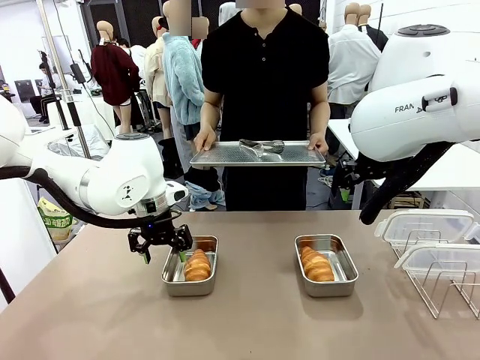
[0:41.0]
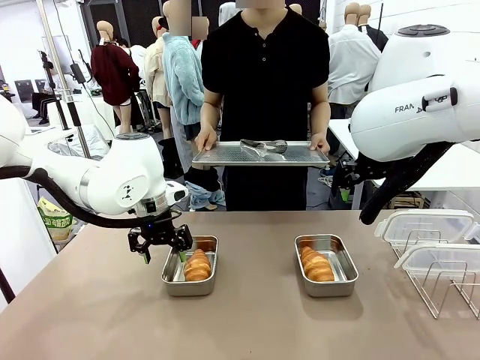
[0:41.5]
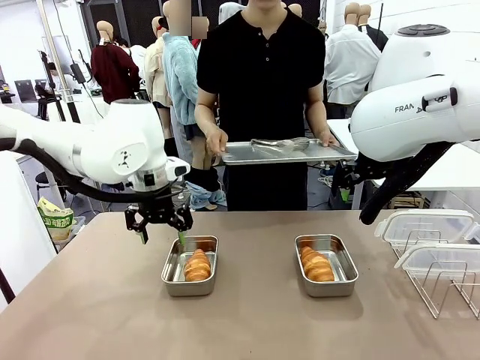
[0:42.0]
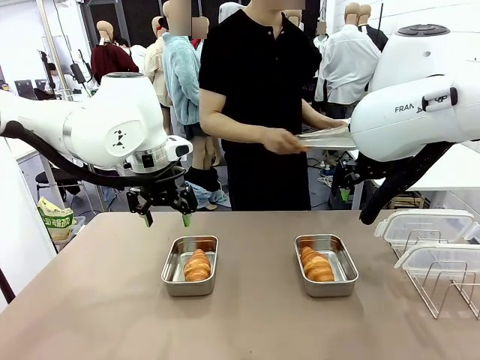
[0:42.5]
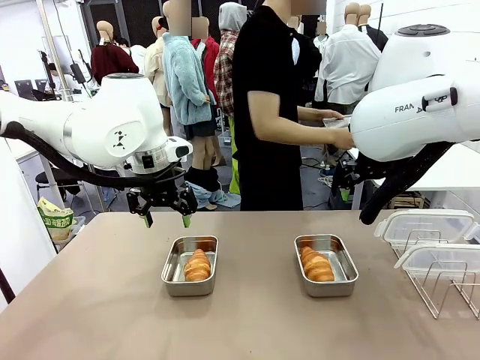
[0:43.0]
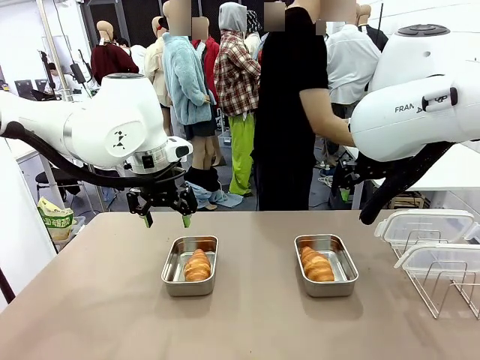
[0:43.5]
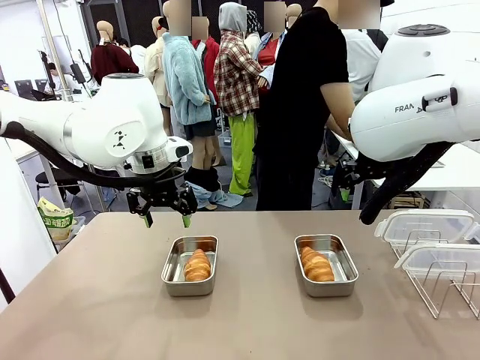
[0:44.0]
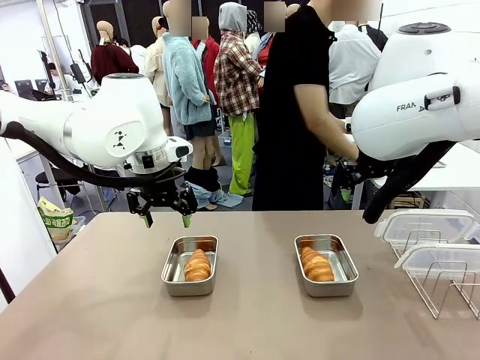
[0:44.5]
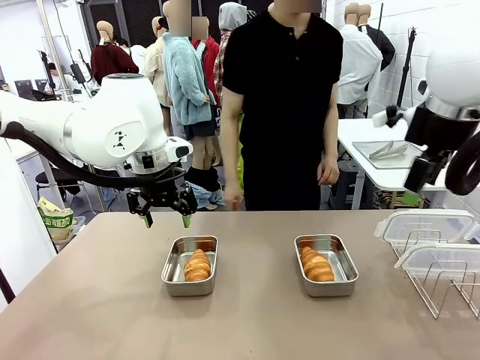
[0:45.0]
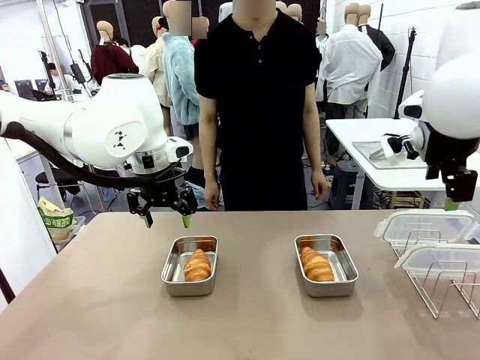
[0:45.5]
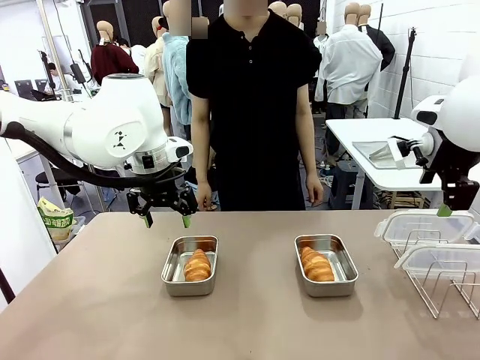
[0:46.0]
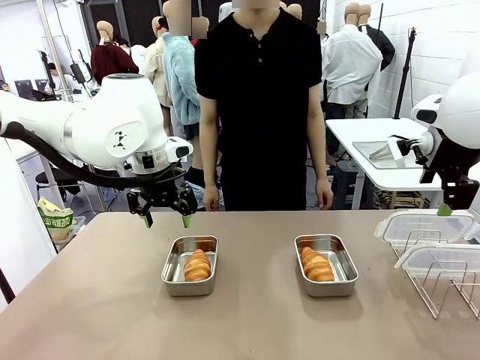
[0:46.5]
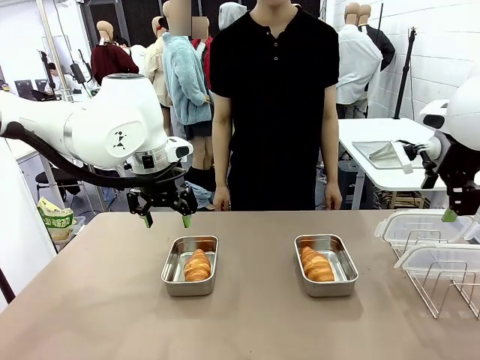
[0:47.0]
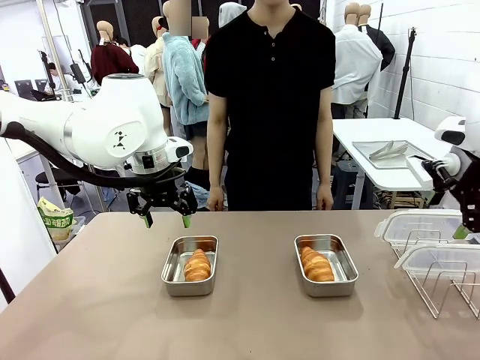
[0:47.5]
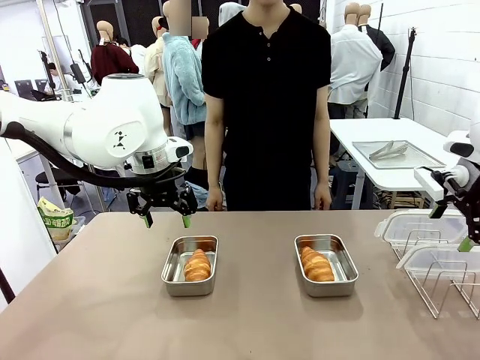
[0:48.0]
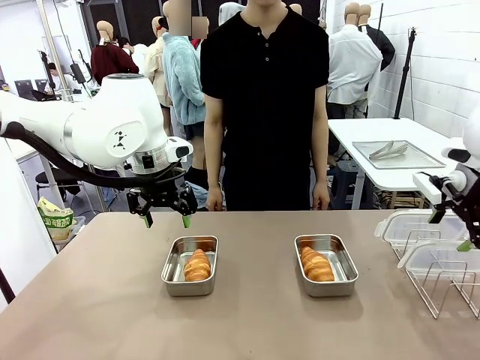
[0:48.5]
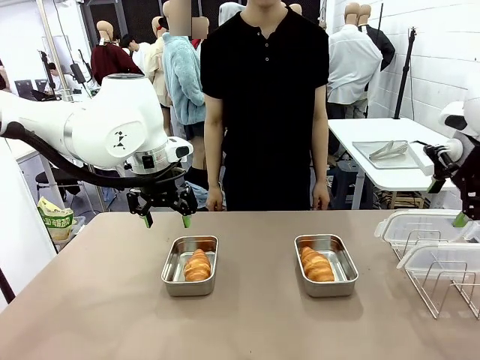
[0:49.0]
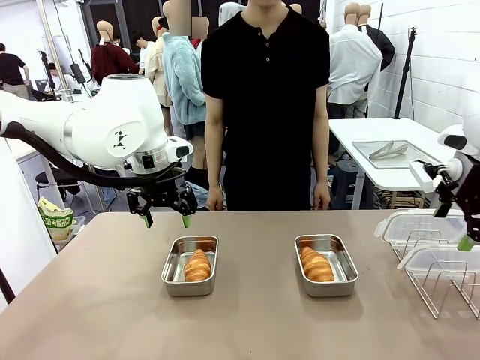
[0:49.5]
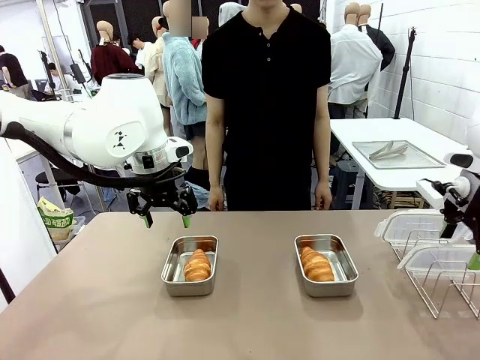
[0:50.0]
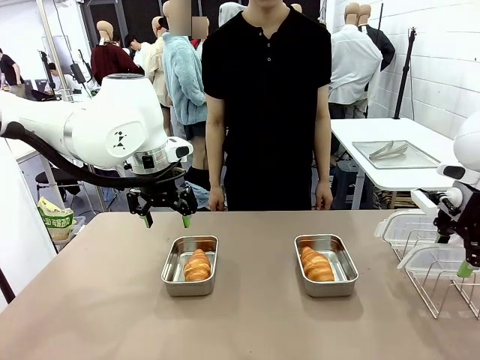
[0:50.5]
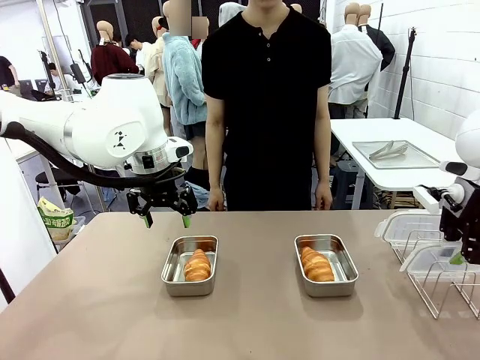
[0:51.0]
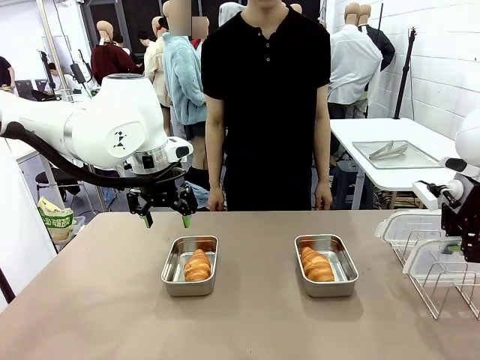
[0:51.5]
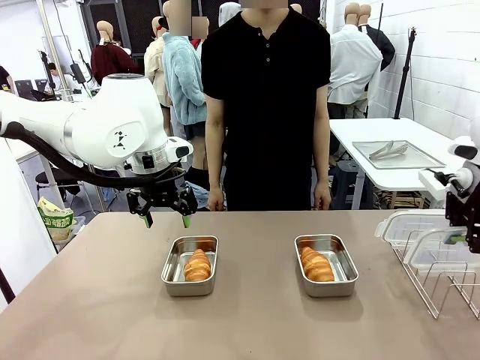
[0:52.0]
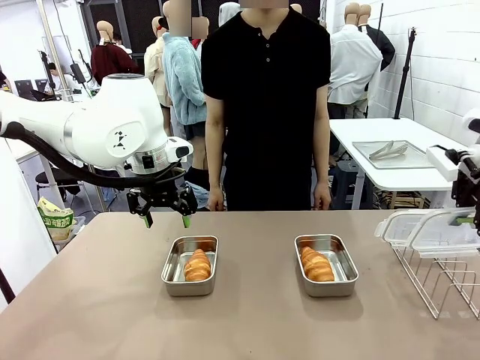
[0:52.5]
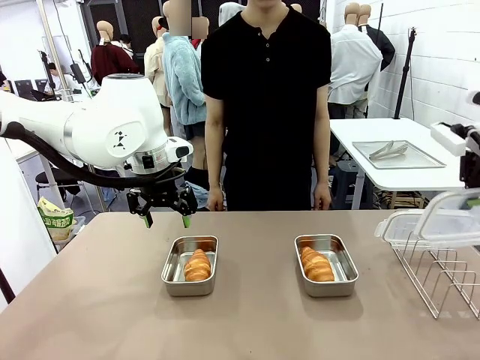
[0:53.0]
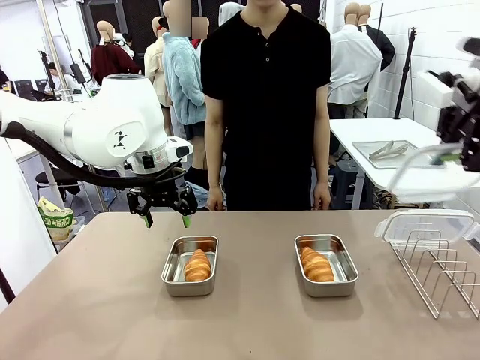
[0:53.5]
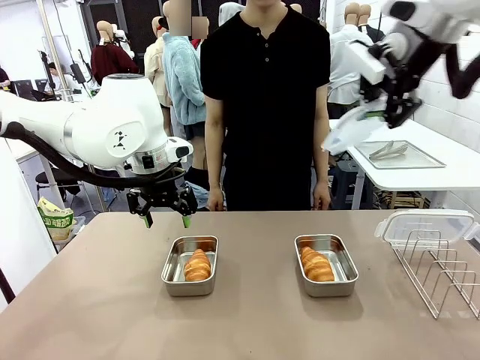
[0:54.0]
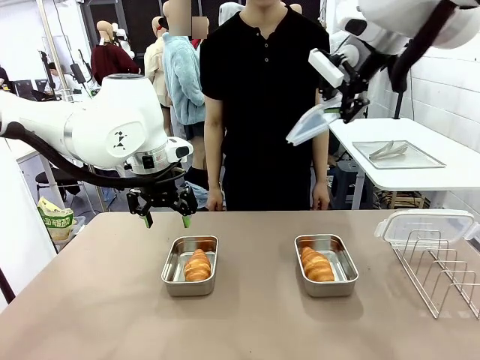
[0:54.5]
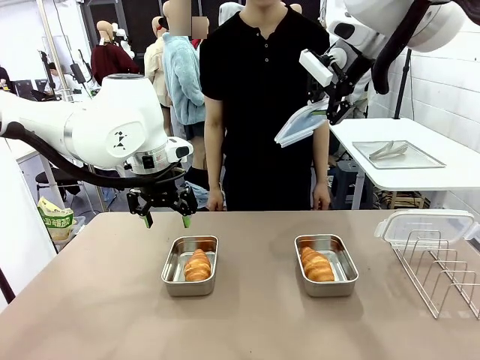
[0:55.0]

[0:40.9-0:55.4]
Task: Place the bread in airtight containers.
Robot: Pick up one Airtight Container lid and hand it to the human.
Person: Place Baking Sheet on the Human's Table. Grip Airtight Container lid that robot is handing.

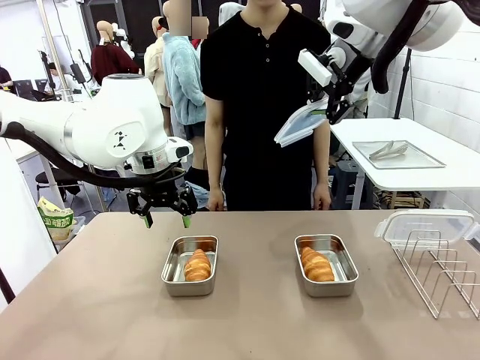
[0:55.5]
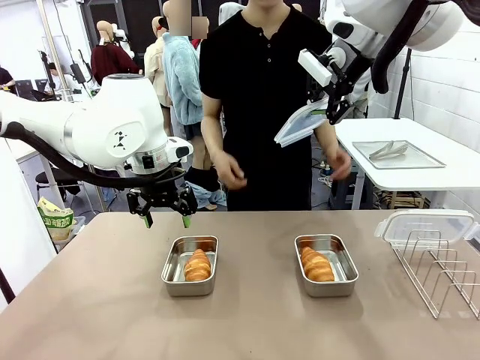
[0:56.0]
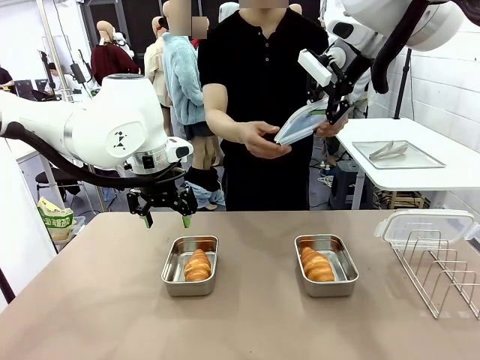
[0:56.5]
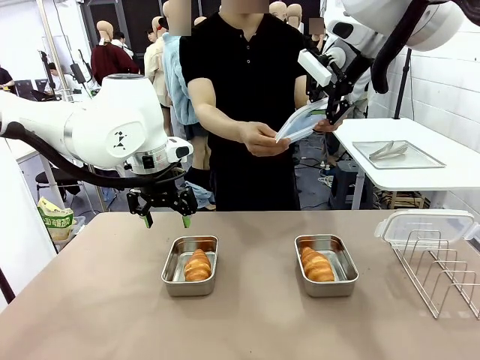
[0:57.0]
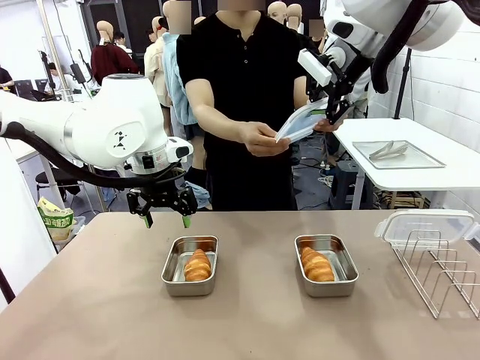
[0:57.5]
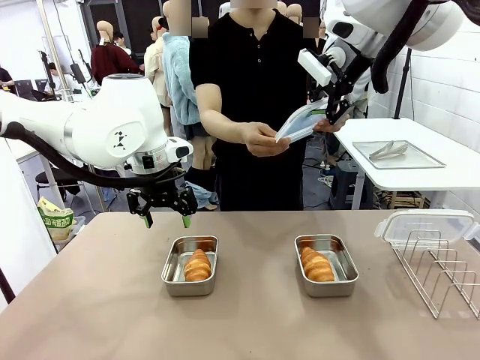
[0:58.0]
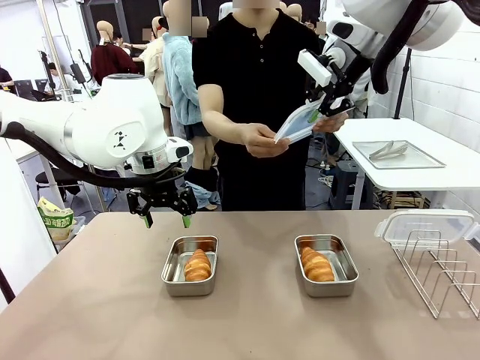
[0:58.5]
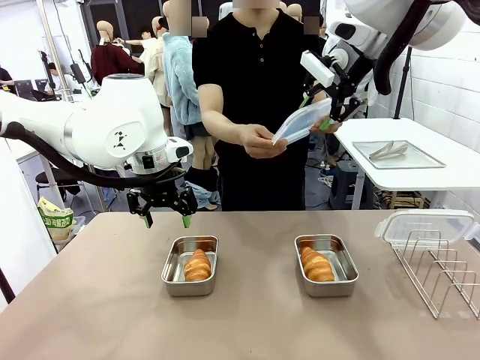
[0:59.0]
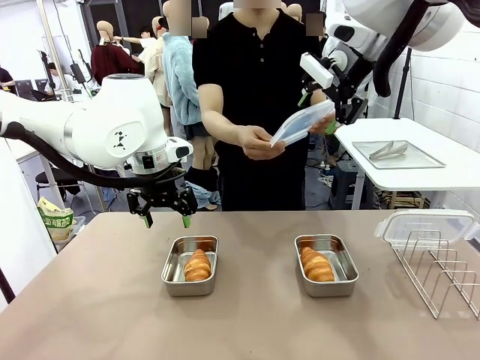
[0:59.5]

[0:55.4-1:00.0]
Robot: Release when the human grabs the Airtight Container lid.

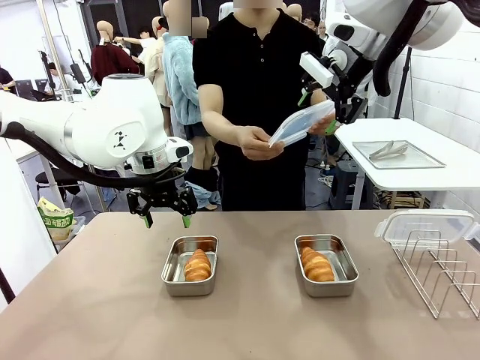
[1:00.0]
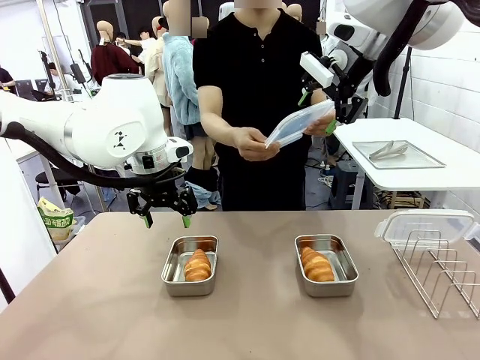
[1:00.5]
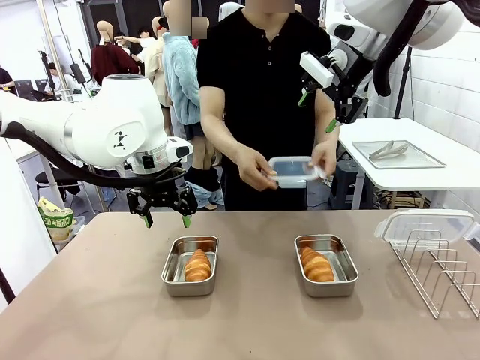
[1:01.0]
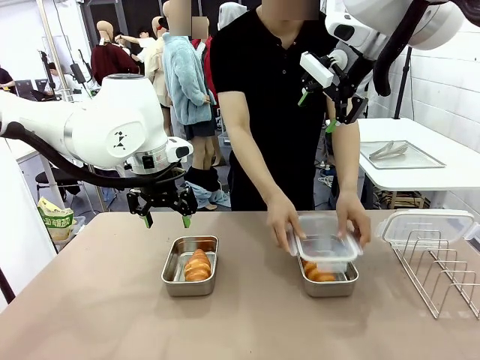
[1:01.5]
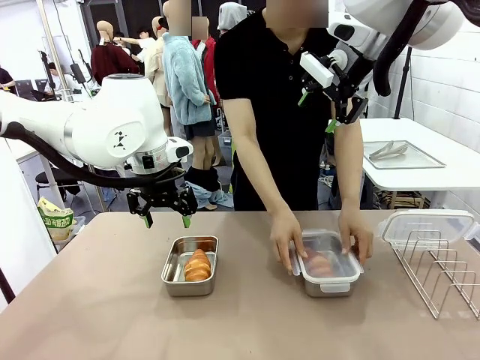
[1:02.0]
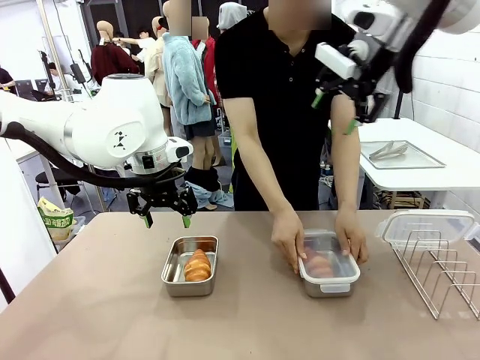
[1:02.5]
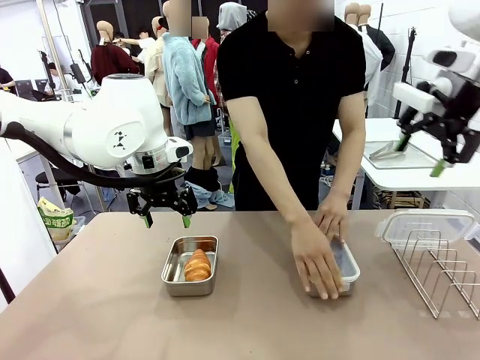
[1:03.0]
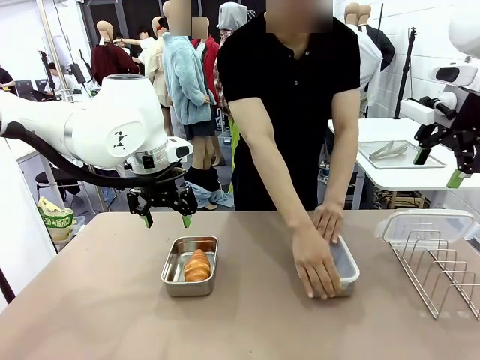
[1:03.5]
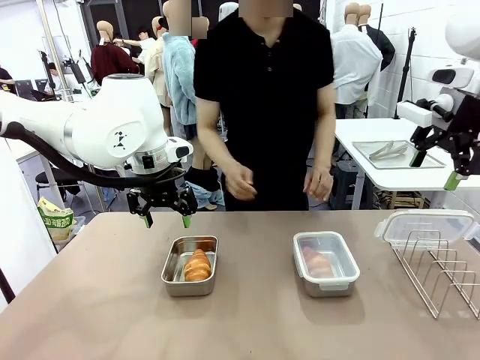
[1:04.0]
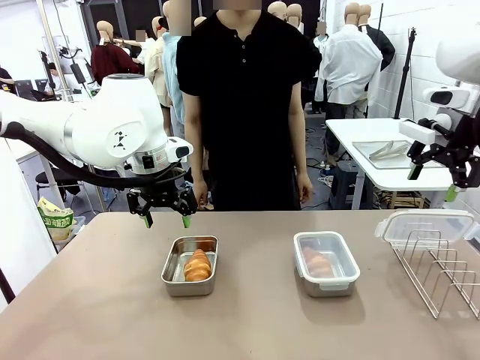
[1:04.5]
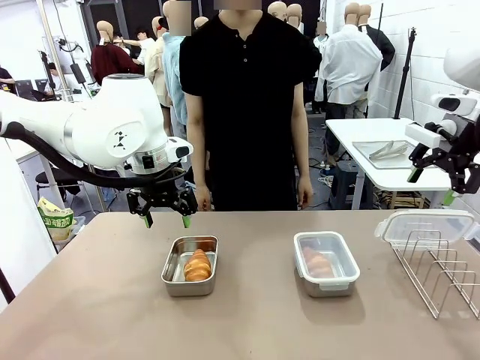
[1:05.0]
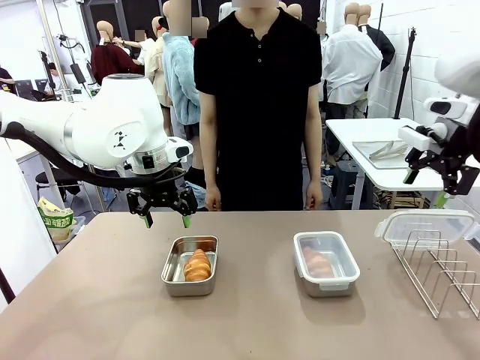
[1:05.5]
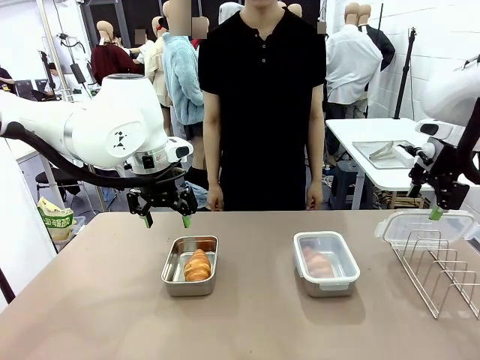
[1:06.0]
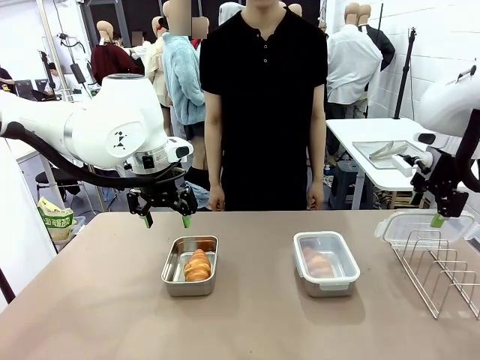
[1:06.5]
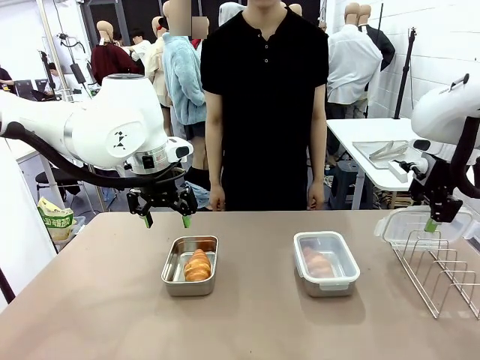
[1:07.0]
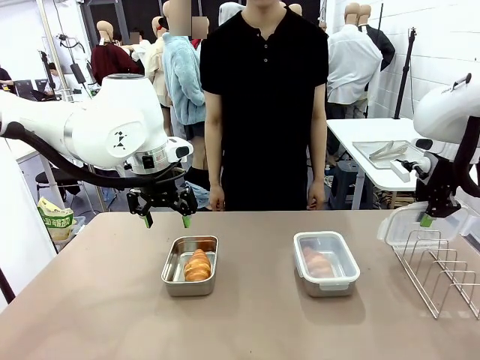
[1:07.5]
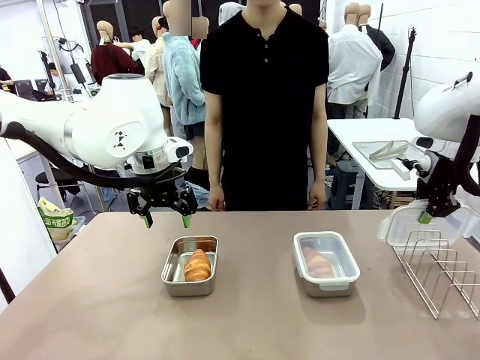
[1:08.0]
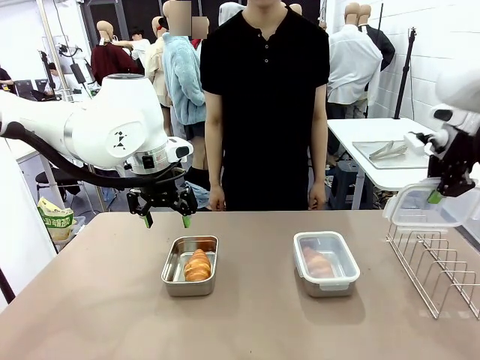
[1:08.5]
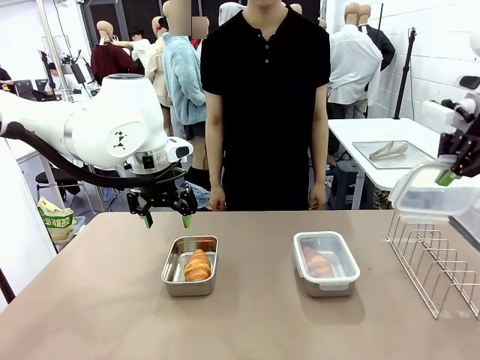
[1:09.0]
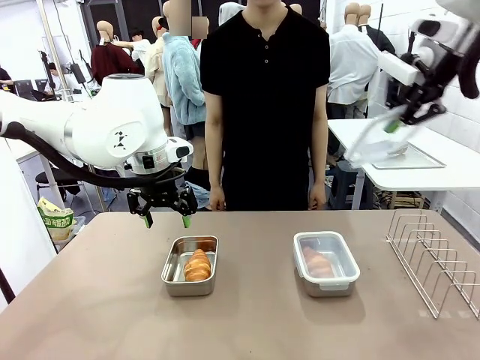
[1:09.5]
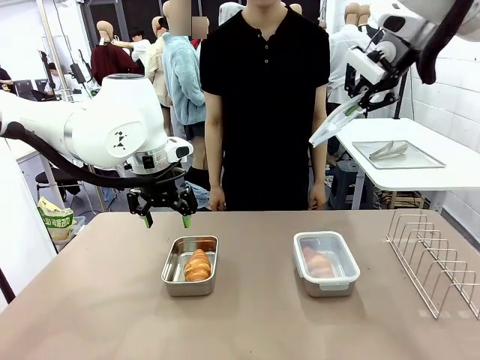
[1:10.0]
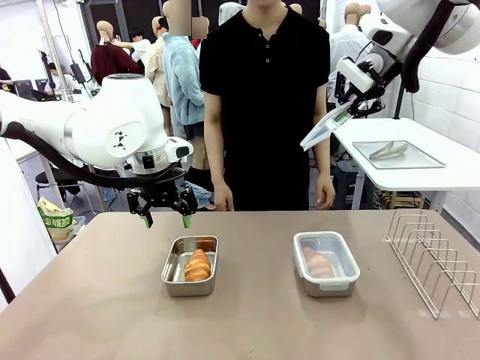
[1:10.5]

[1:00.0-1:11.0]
Robot: Pick up one Airtight Container lid and hand it to the human.
Person: Close Airtight Container with a handed Airtight Container lid. Grip Airtight Container lid that robot is handing.
